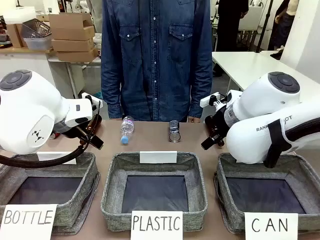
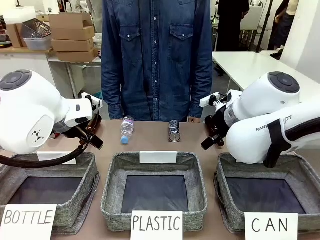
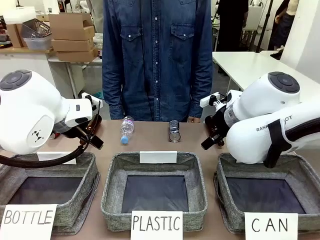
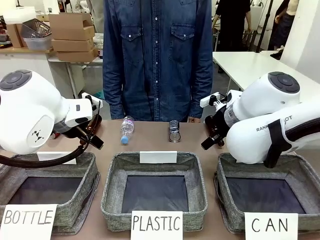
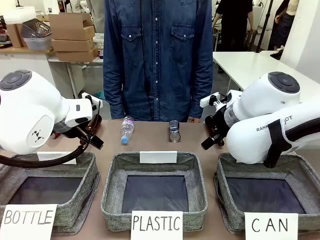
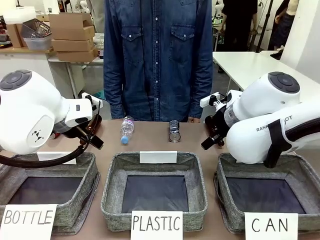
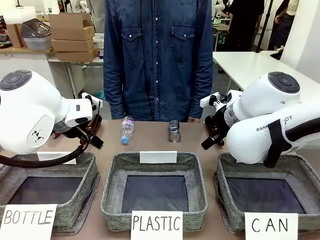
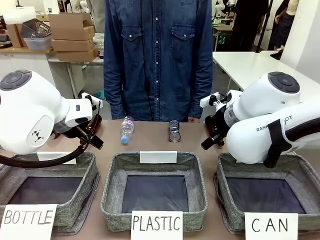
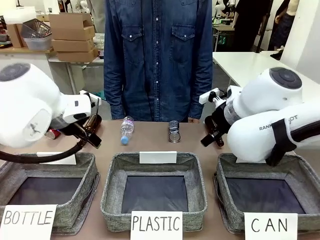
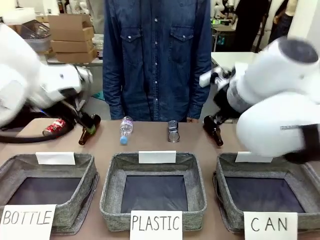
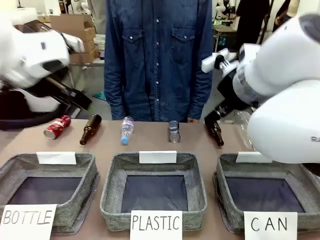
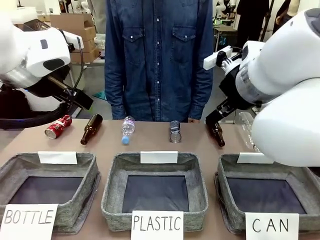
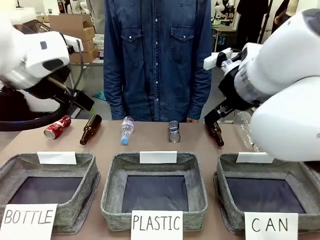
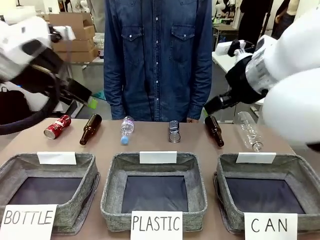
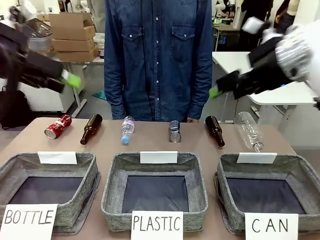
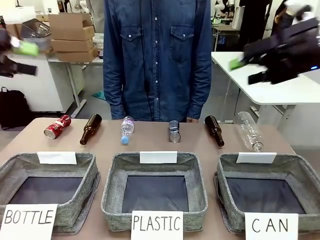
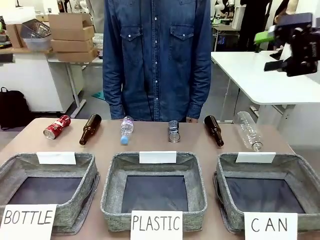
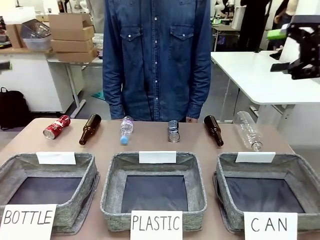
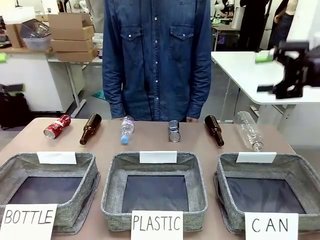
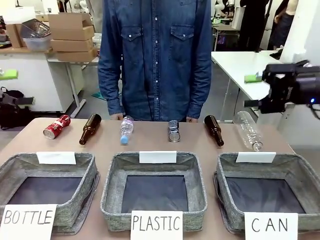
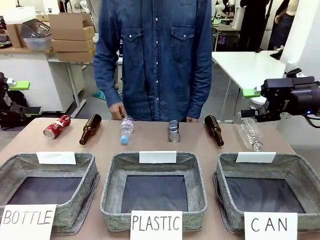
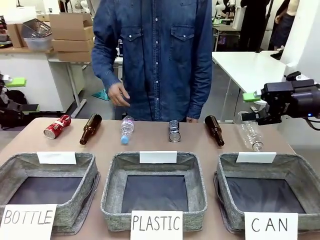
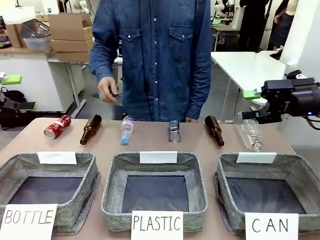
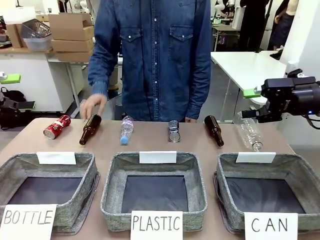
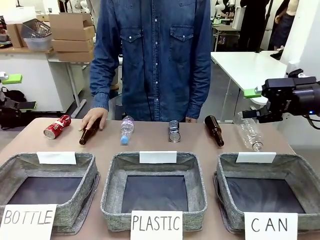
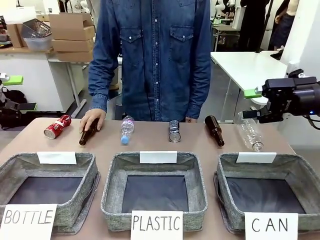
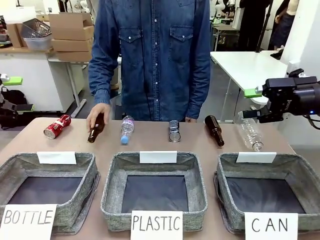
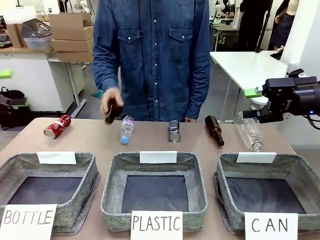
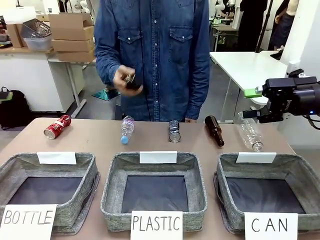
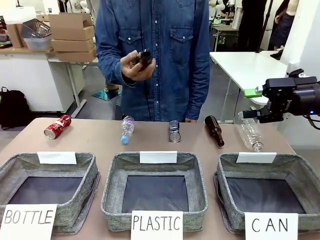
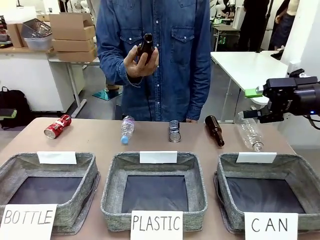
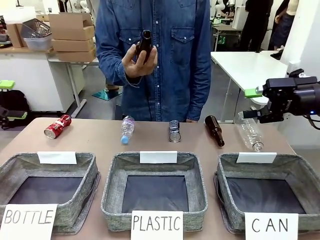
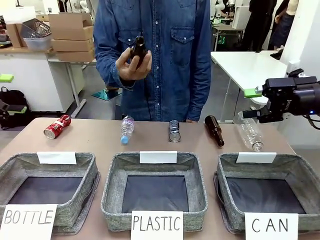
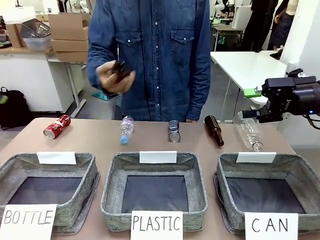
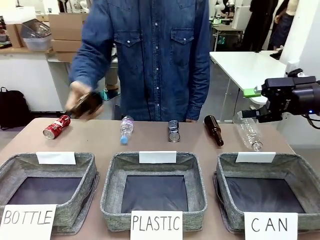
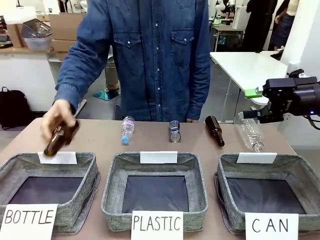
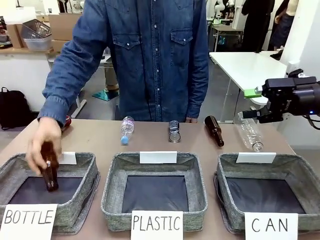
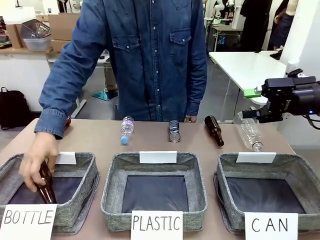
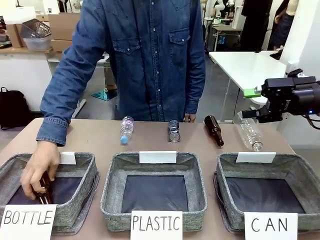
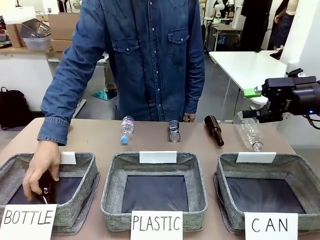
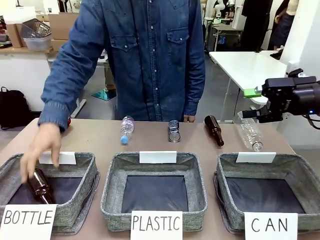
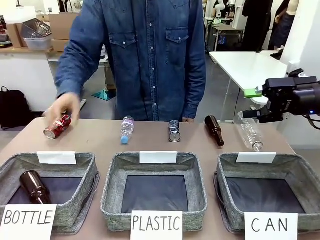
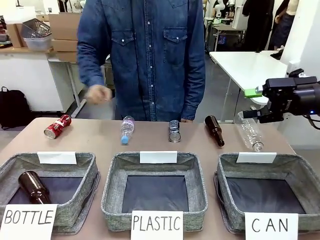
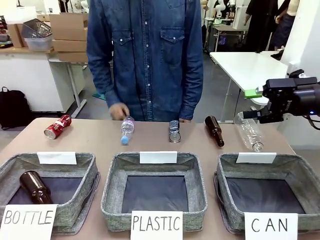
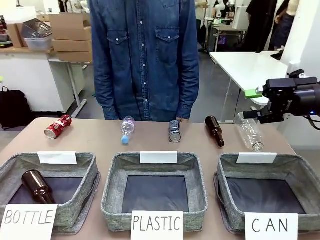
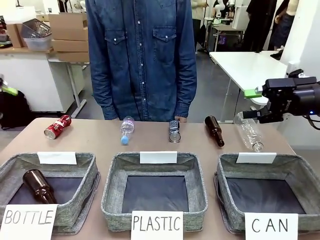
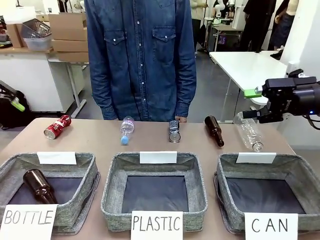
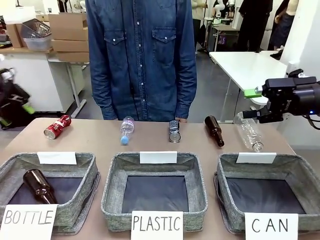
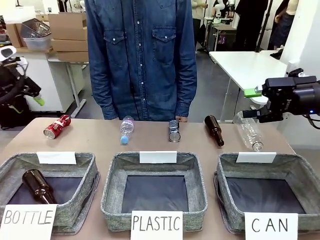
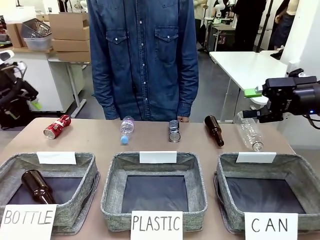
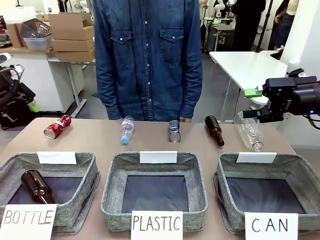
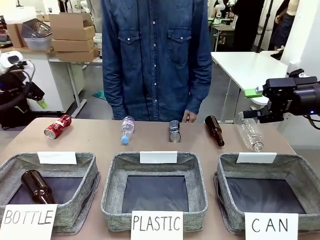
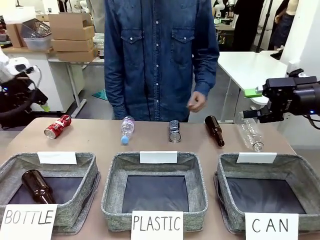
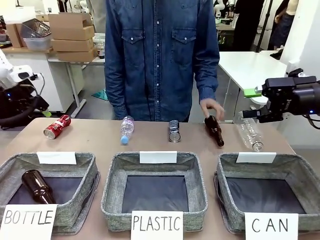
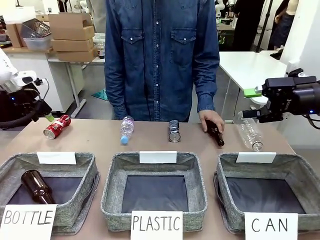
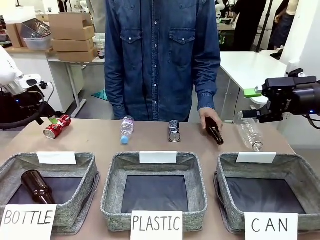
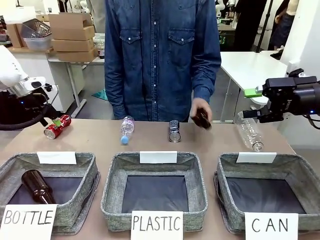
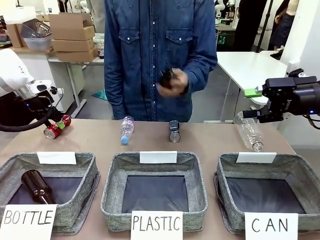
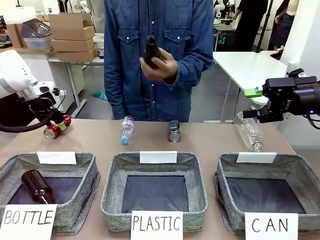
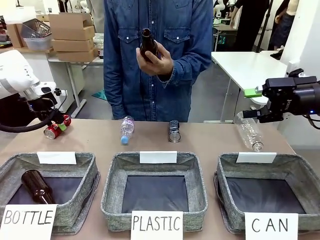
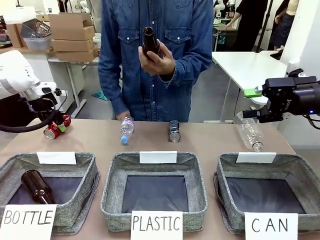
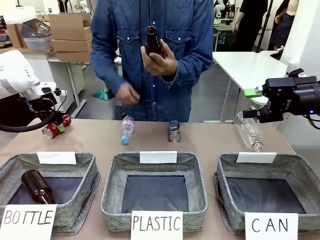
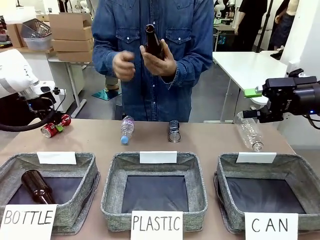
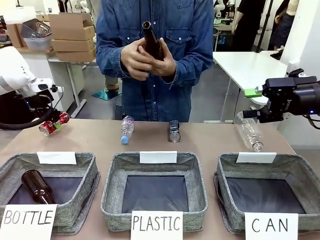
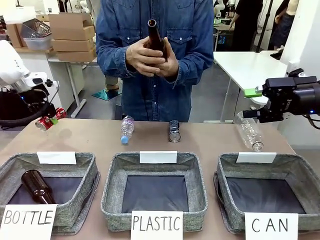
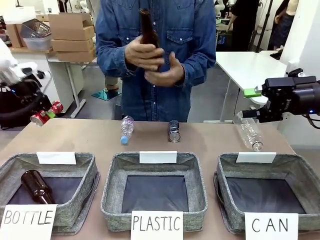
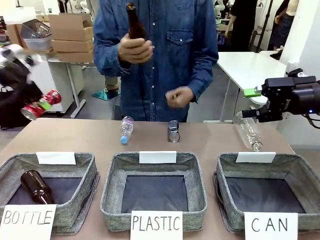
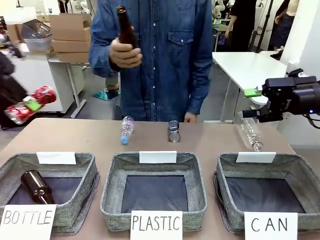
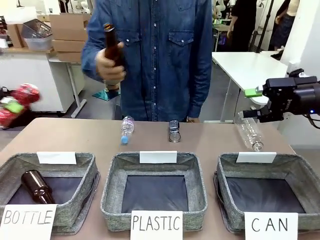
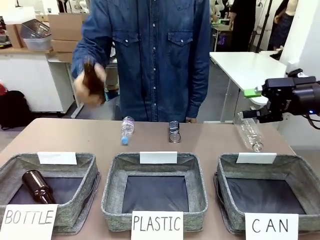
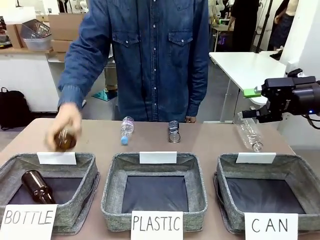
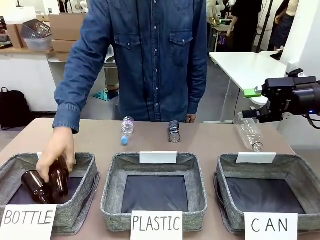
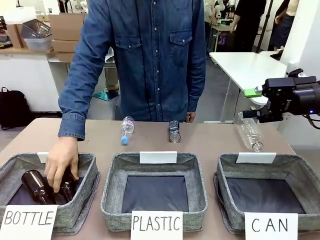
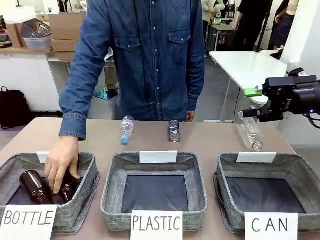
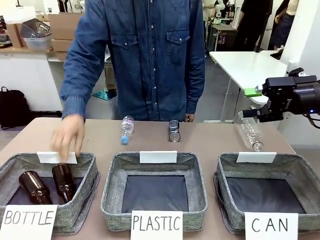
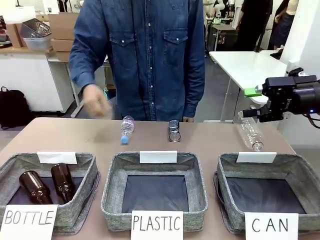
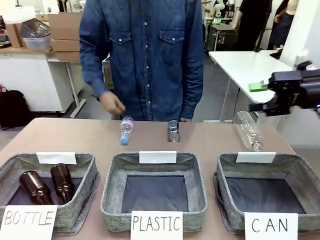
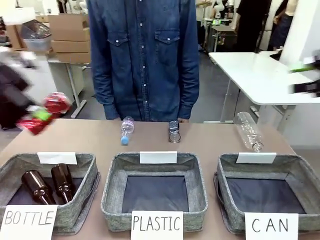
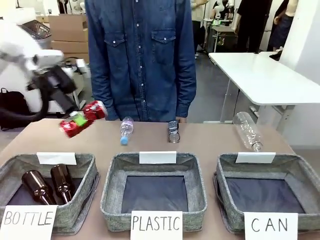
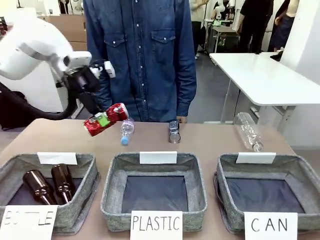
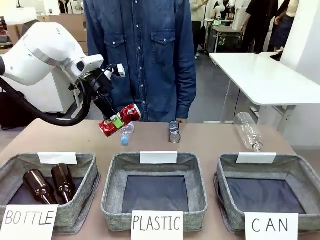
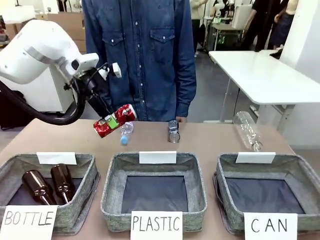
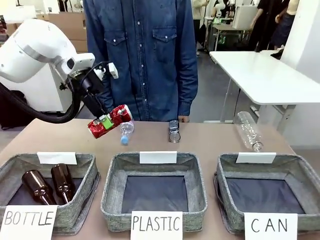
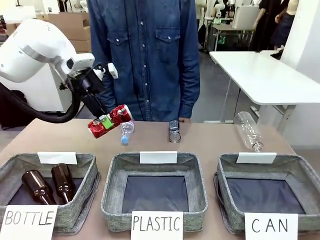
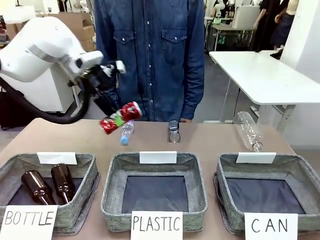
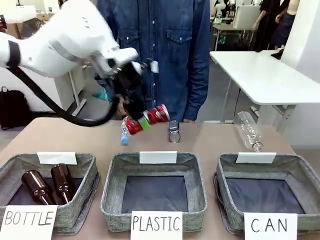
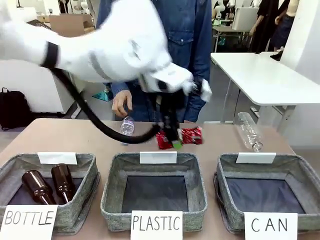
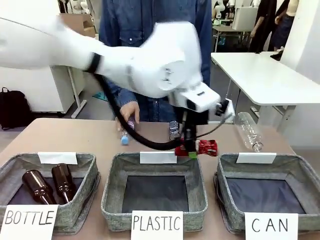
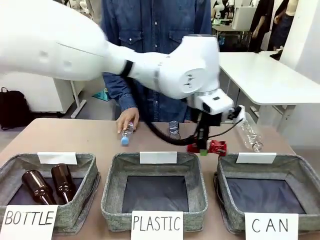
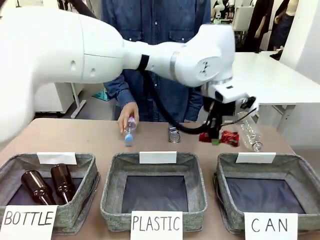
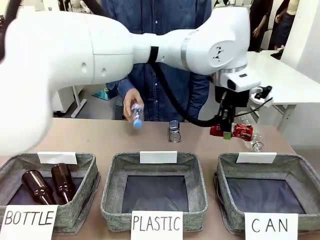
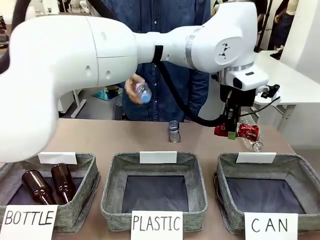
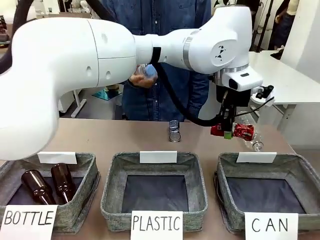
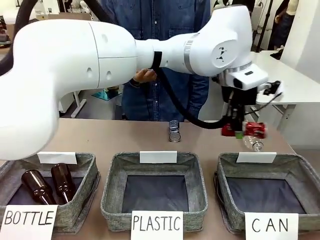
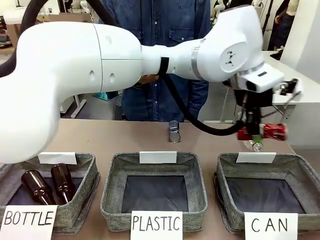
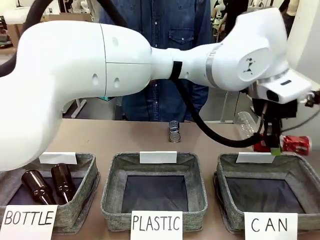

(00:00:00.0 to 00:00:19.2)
Task: Sort the can waste into the basket.
Robot: Pick up the can waste from the table and place it in the right Fabric basket.
